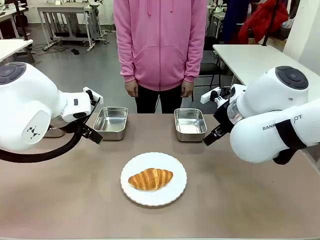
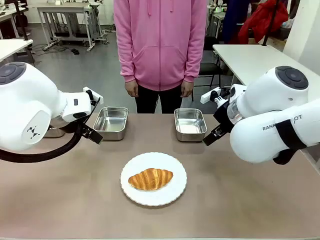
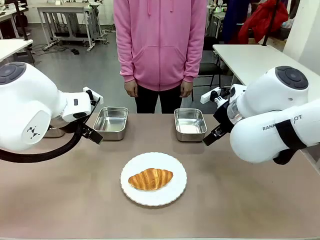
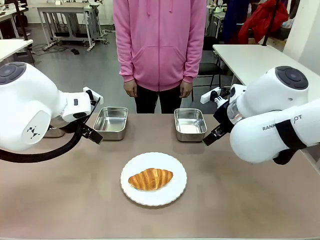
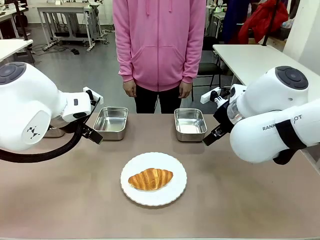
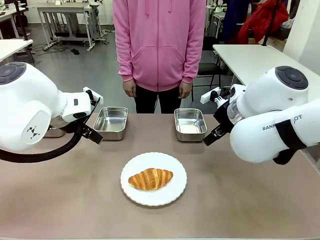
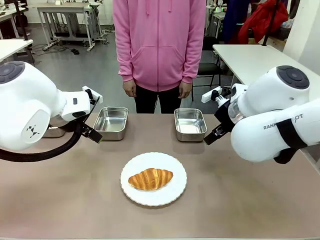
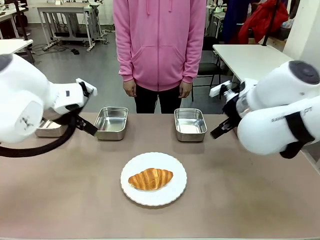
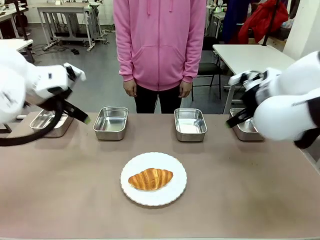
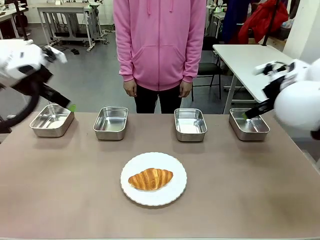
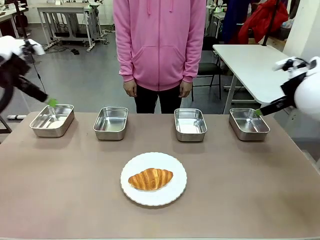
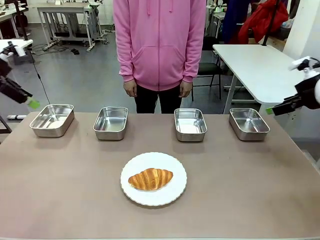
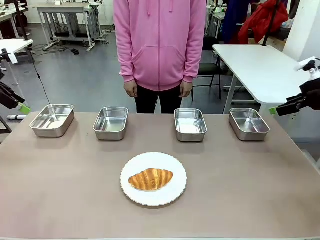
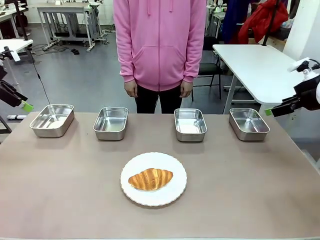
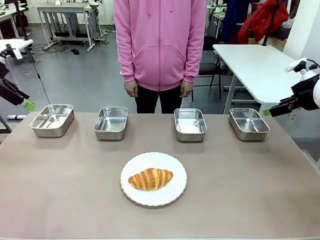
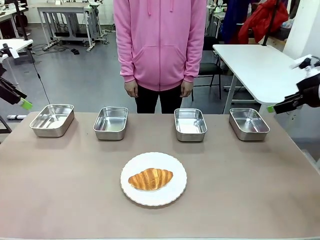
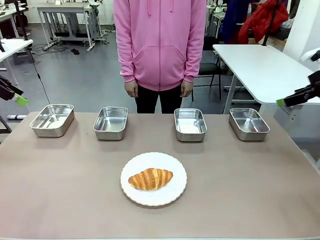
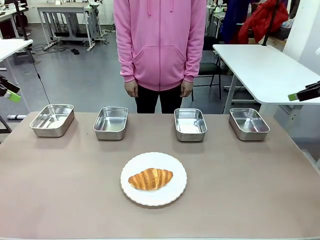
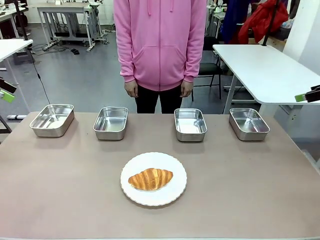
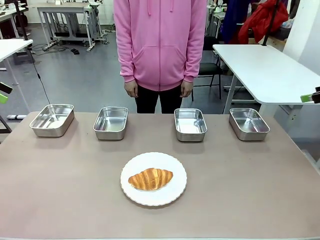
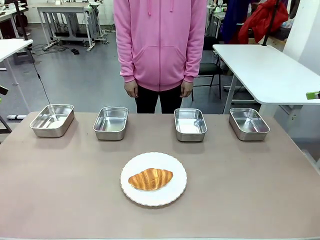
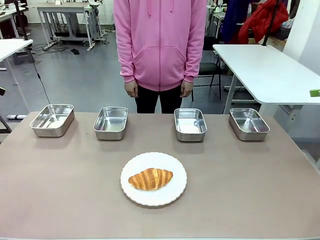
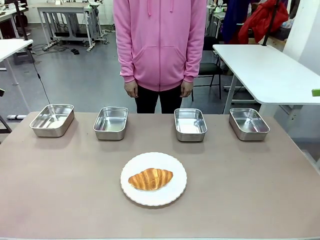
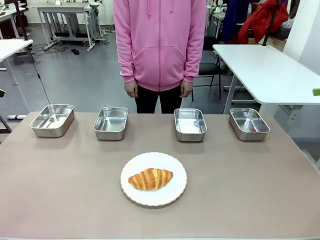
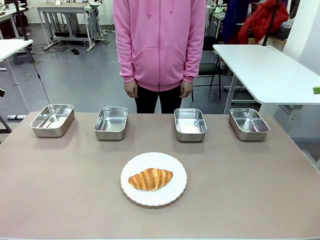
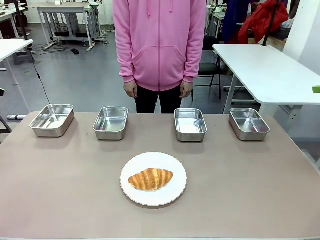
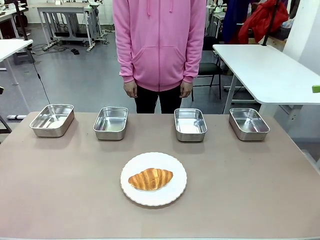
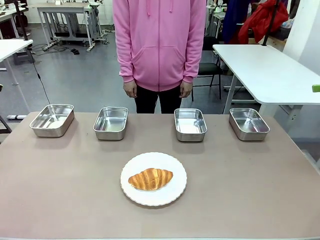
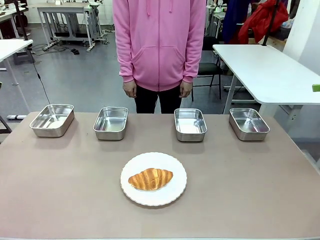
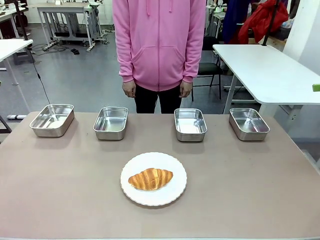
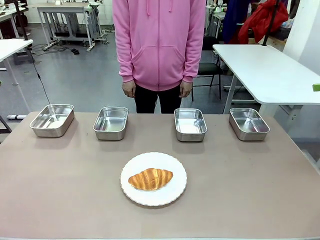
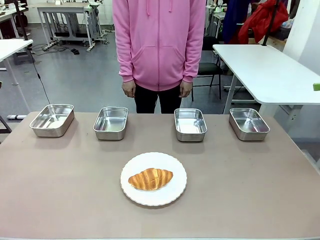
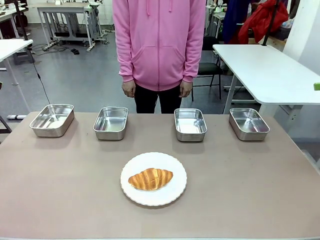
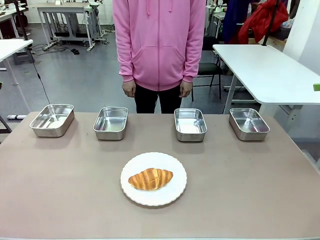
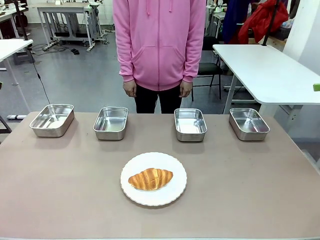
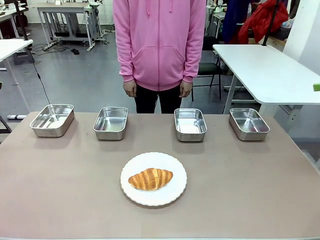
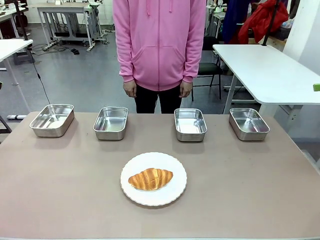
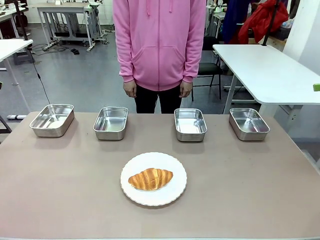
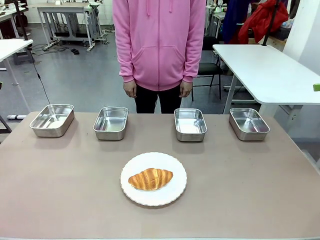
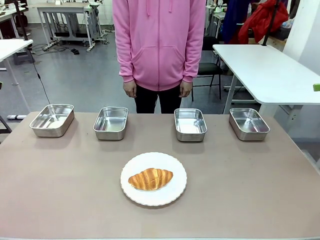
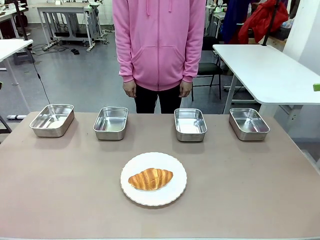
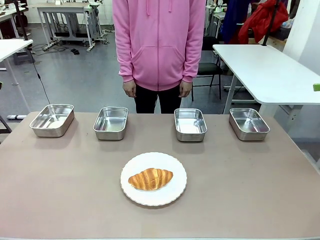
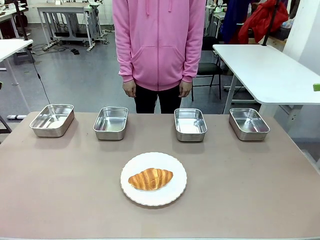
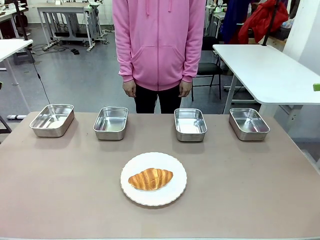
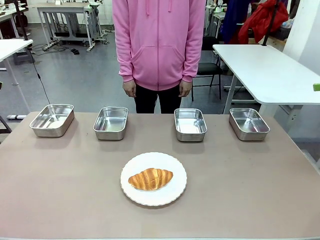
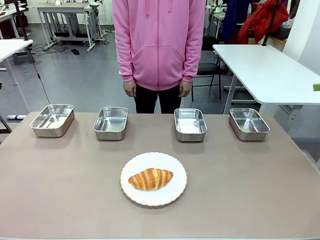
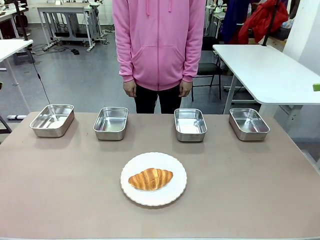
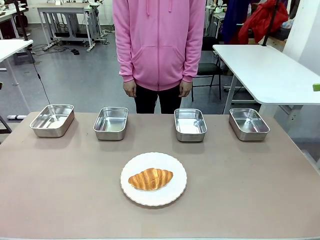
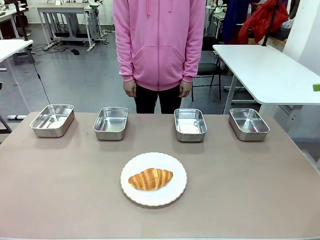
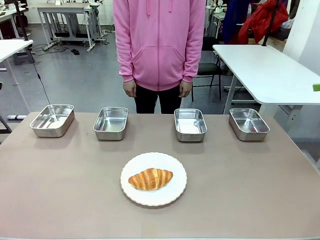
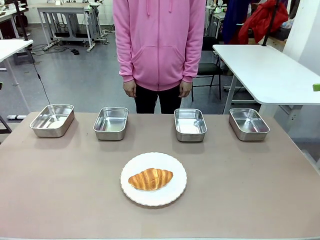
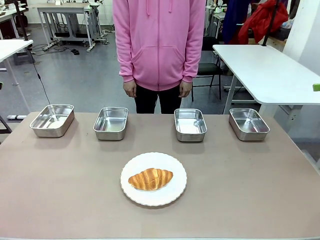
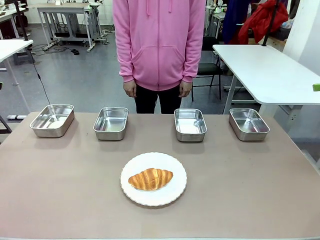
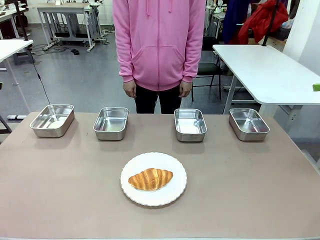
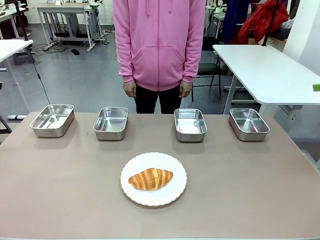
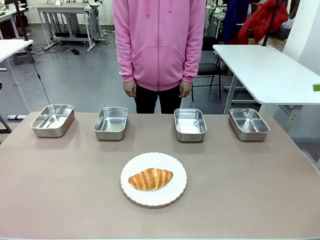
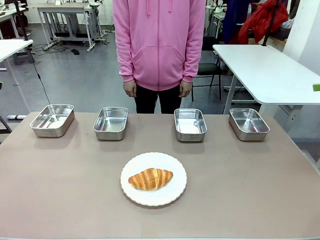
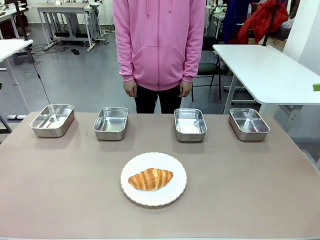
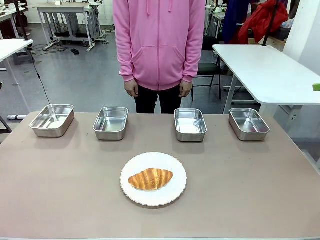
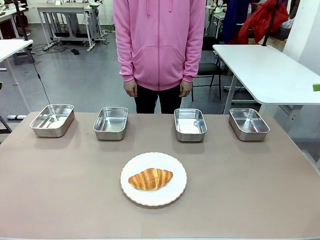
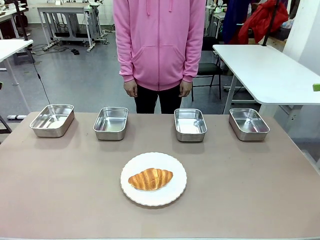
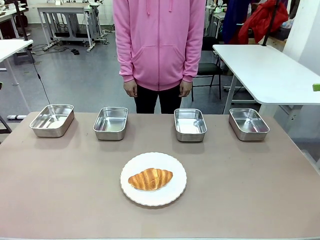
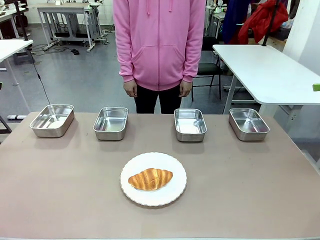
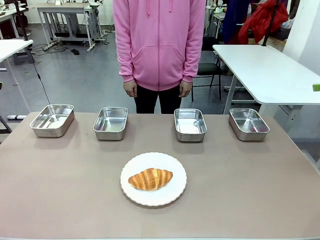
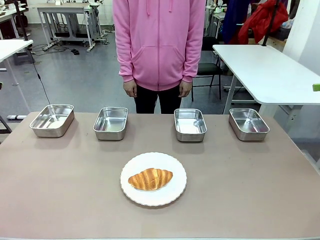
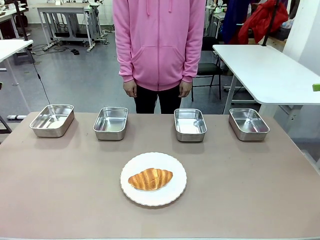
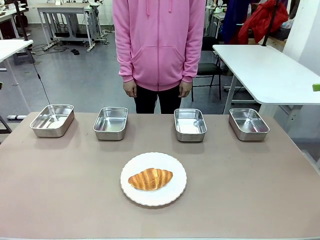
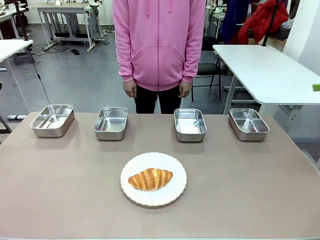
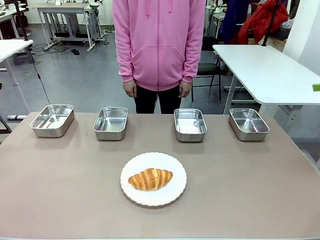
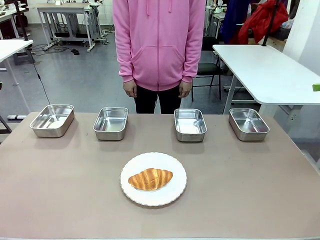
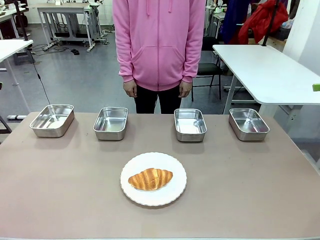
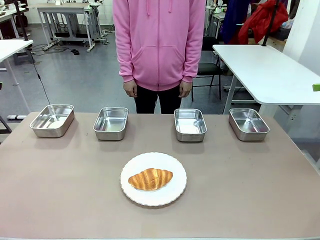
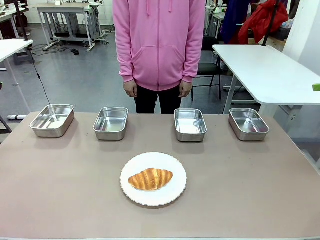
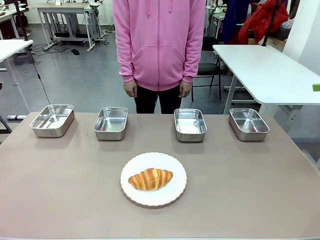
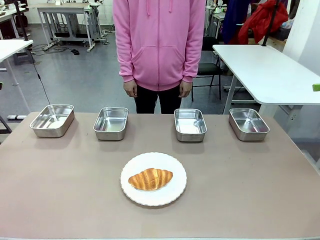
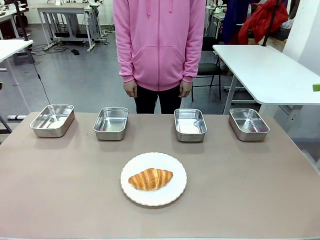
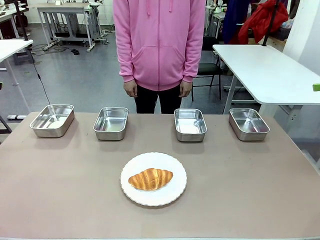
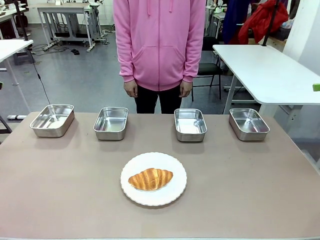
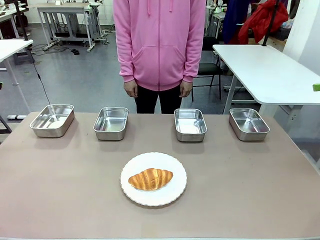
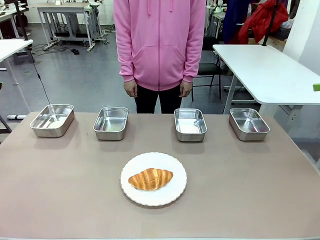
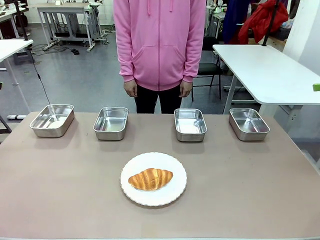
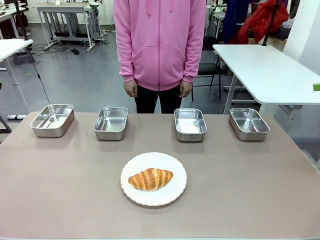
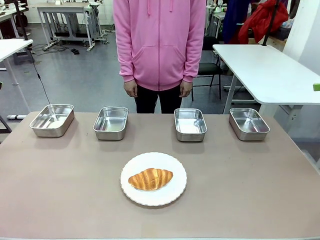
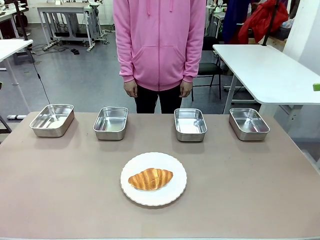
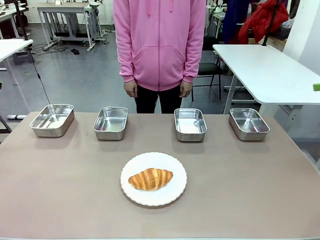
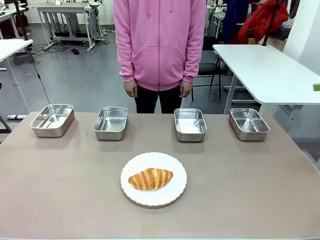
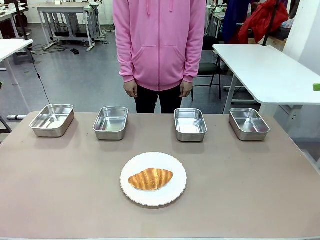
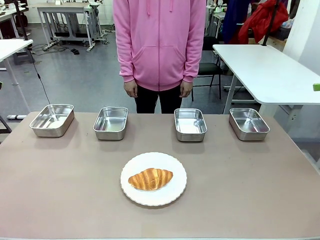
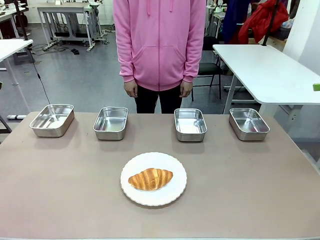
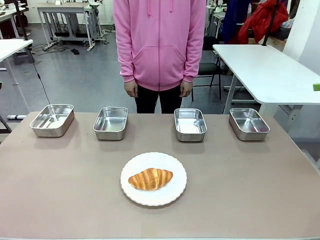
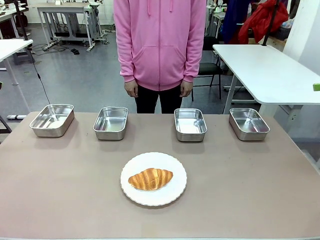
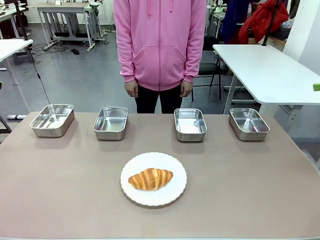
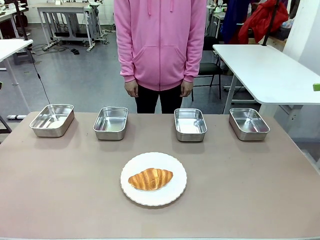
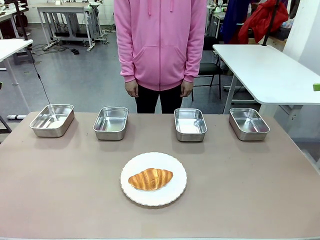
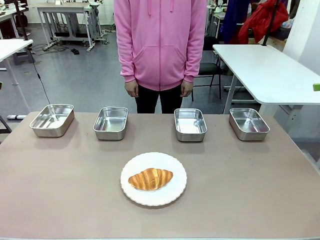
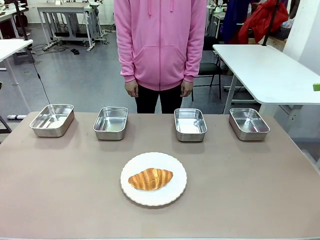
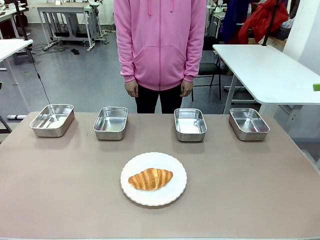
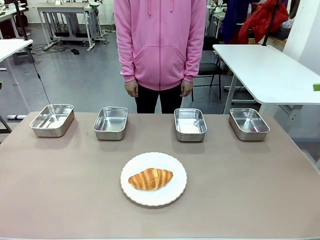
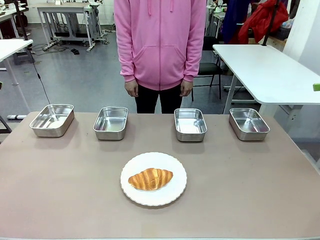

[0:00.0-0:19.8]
Task: Place the bread in the container.
Robot: Place the Butter Roll into the Airtight Container indicated by the human.
